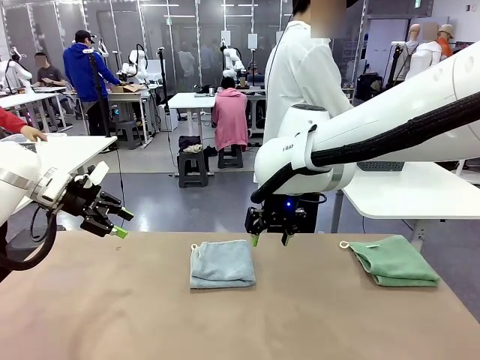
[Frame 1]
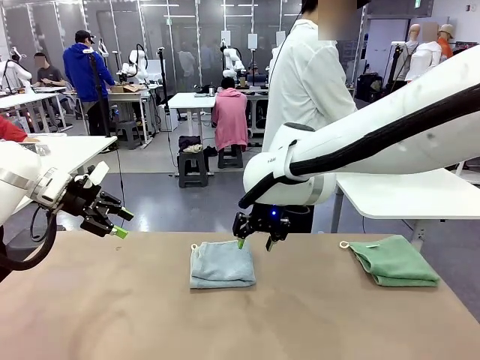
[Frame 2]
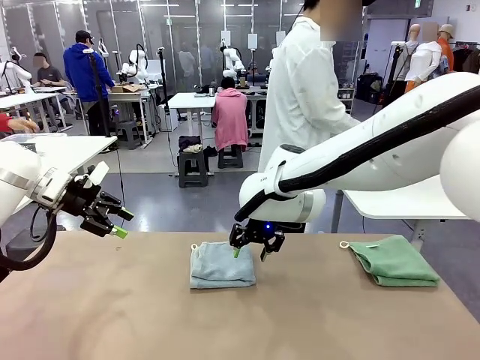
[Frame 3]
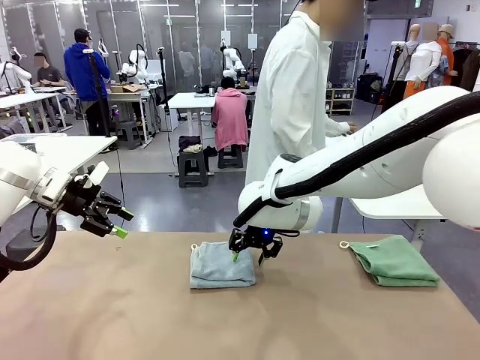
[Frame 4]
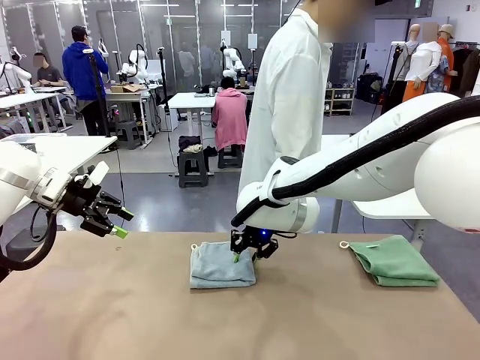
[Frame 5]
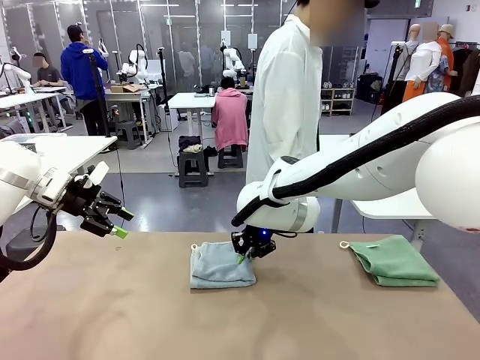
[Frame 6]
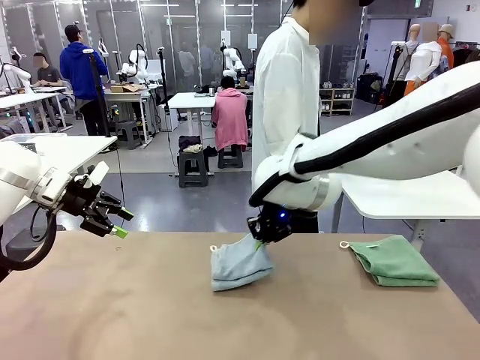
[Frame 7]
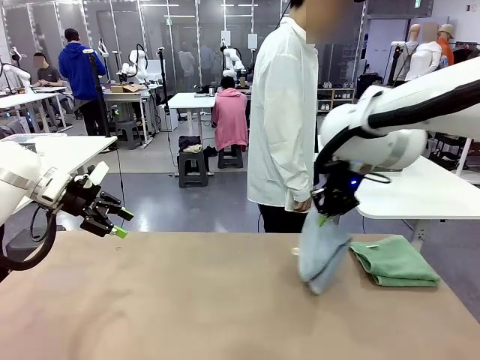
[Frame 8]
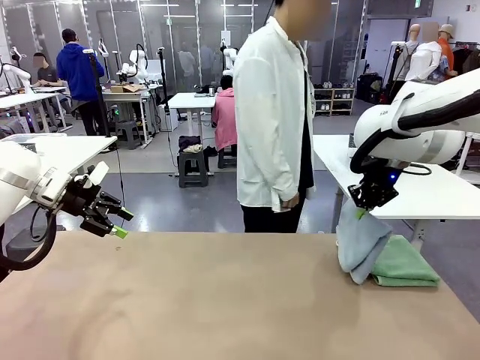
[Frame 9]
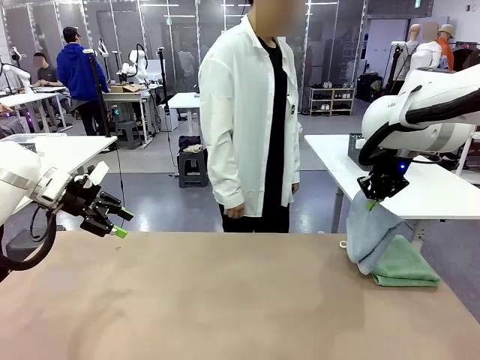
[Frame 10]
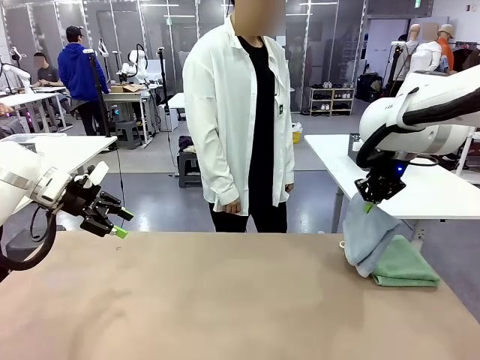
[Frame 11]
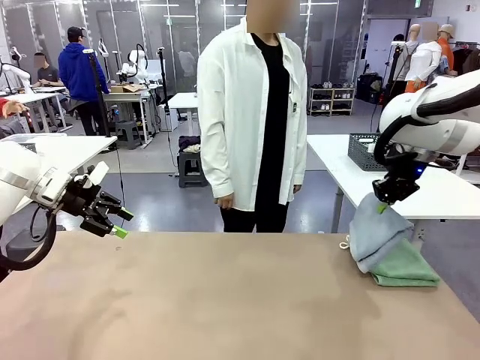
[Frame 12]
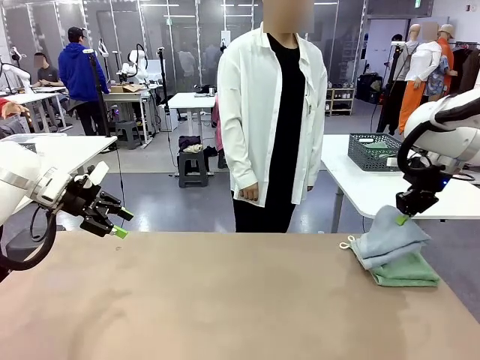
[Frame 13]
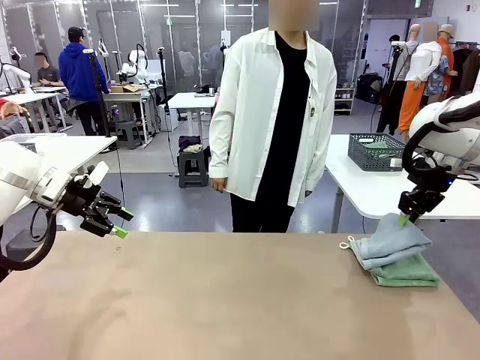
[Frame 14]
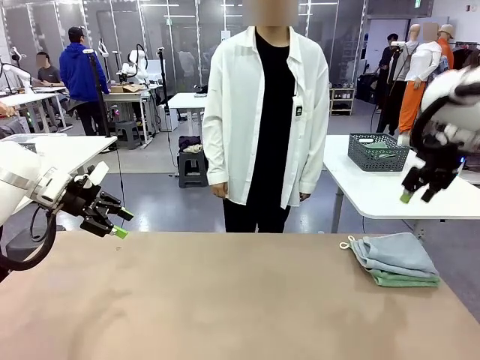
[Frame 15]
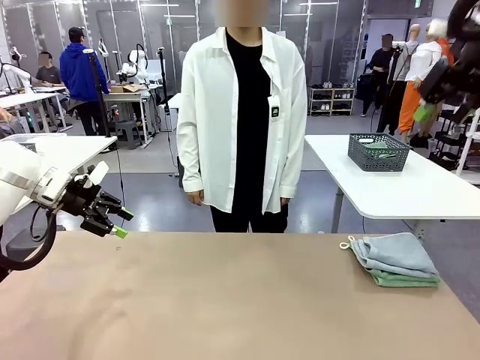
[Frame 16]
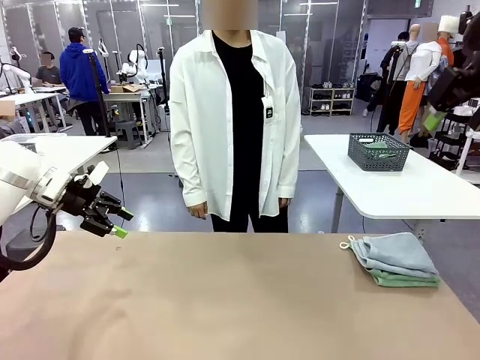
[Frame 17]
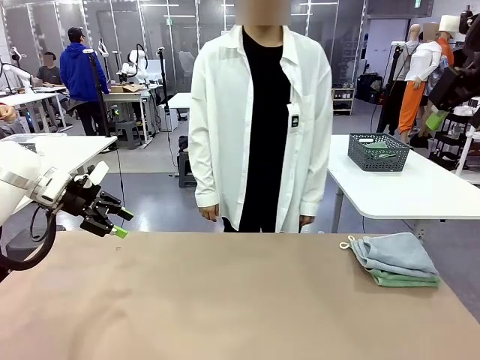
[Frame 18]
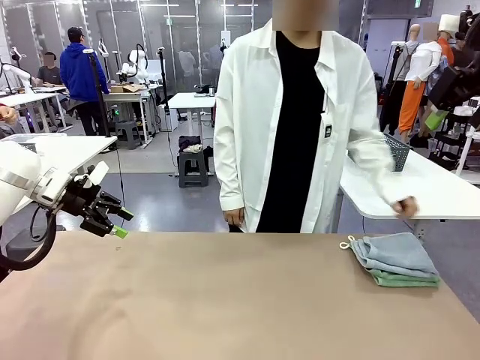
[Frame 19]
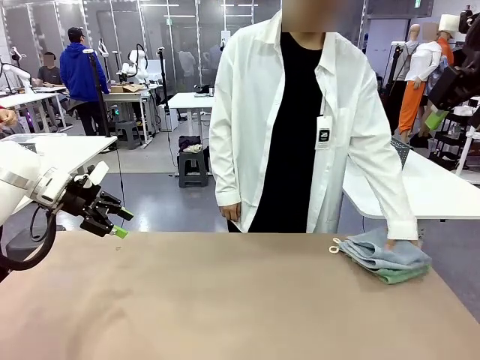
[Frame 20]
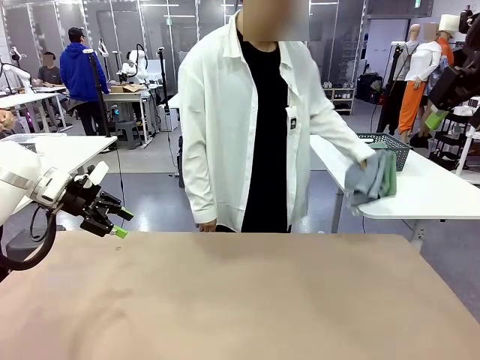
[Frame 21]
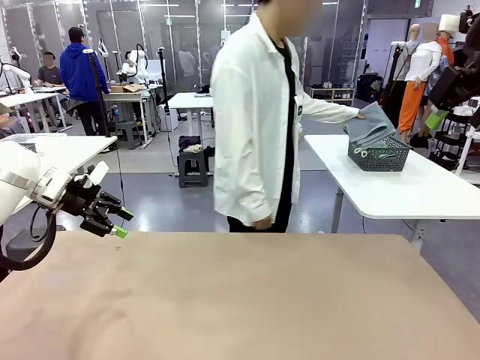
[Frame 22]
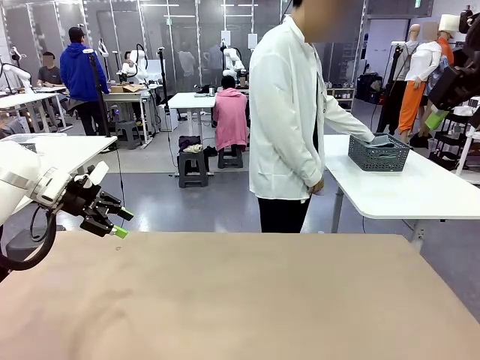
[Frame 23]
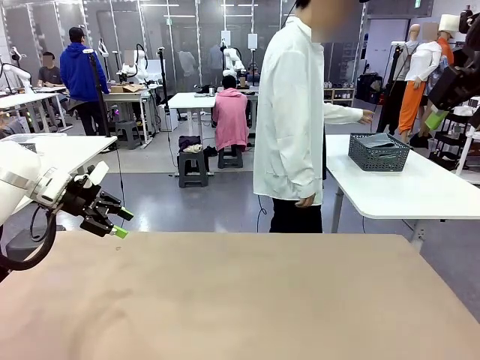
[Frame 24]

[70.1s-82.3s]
Task: Fold the towels and place them in the basket.
Robot: Stack the folded Towel with hook on the right side of the table.
Person: Pick up the stack of towels from the robot table and place it into the basket.

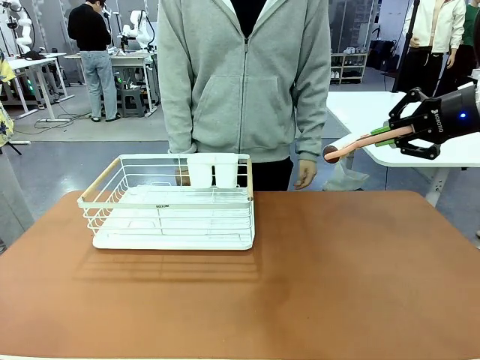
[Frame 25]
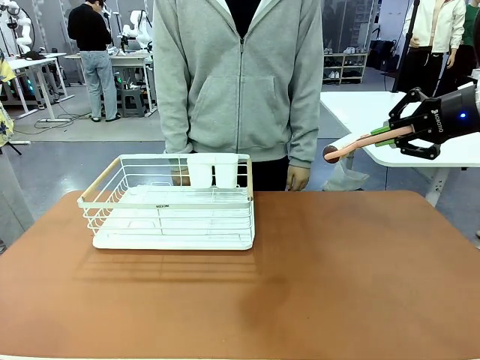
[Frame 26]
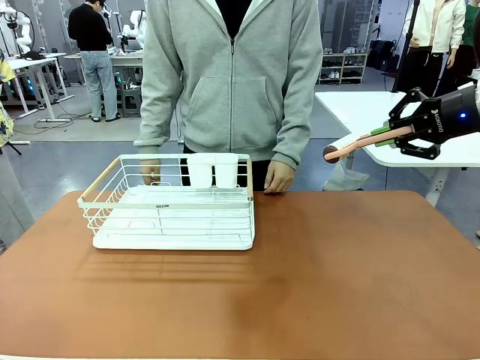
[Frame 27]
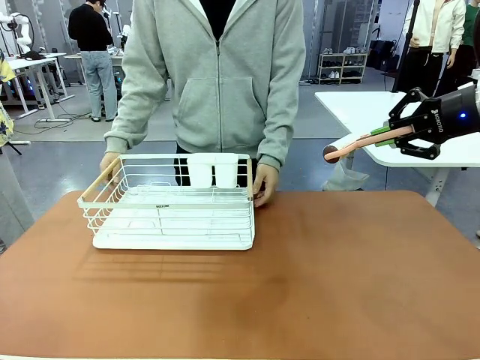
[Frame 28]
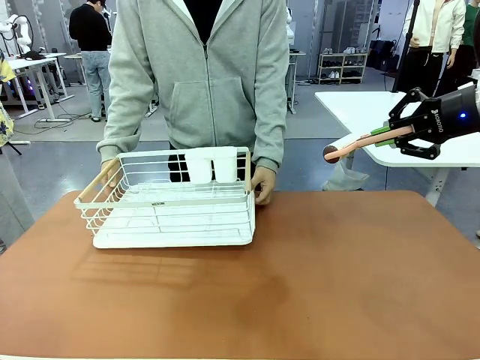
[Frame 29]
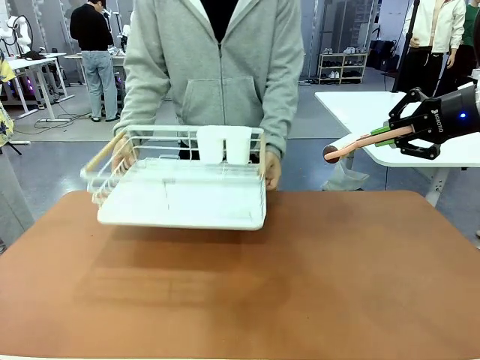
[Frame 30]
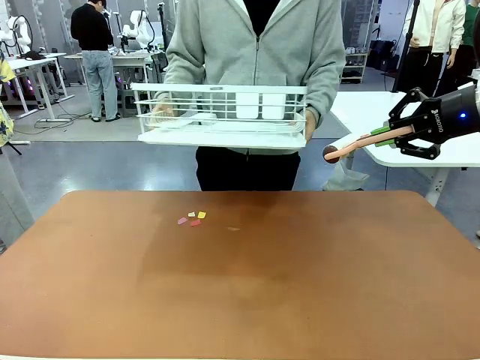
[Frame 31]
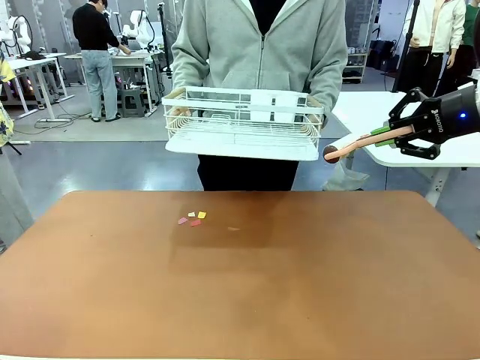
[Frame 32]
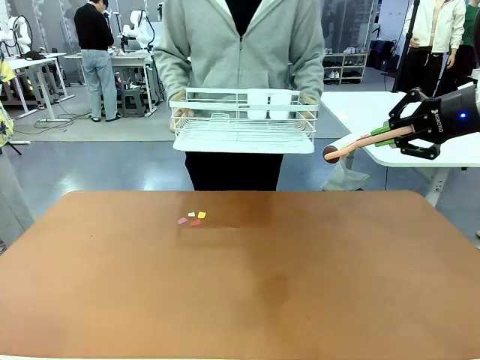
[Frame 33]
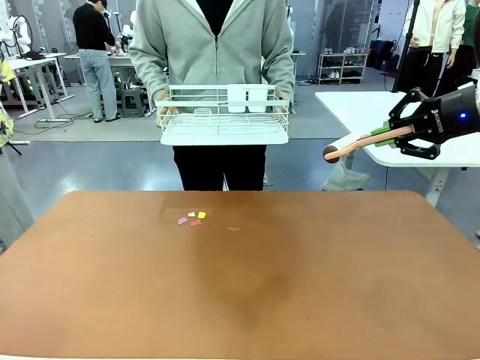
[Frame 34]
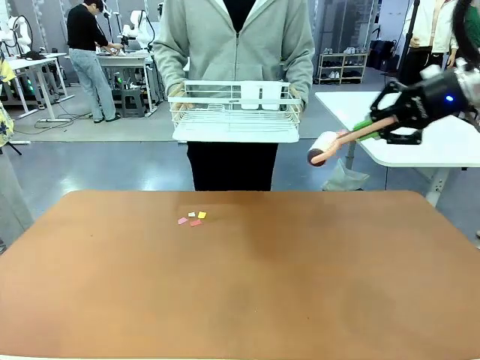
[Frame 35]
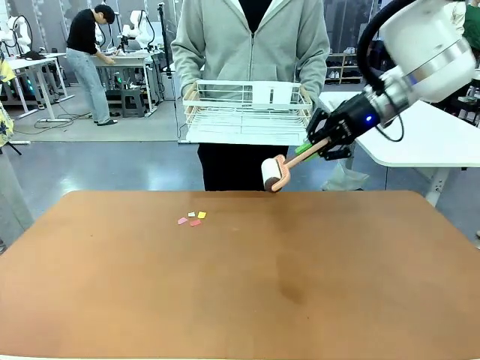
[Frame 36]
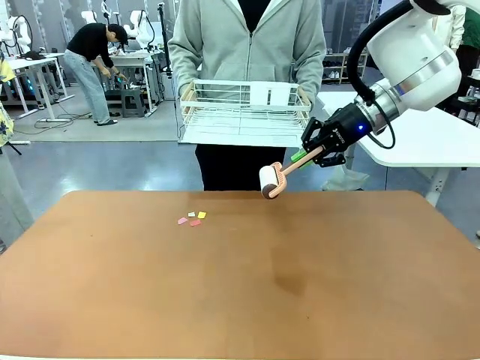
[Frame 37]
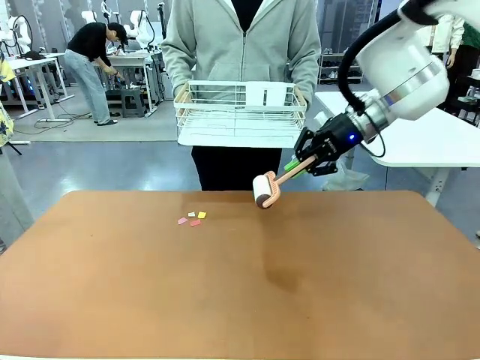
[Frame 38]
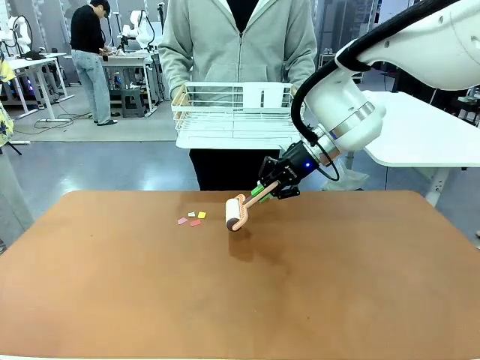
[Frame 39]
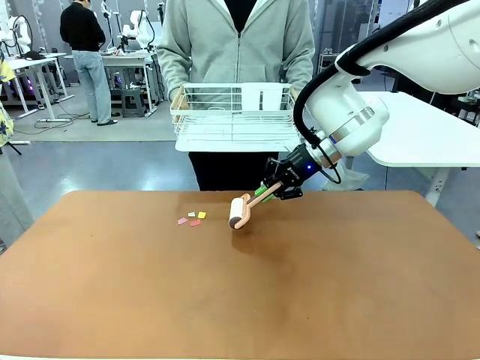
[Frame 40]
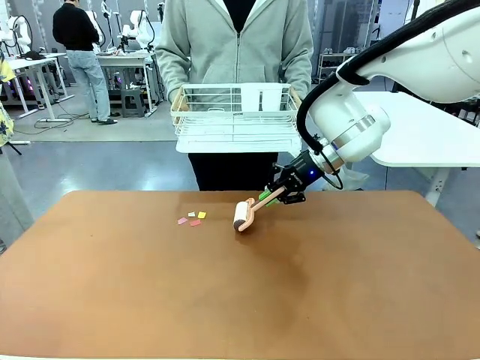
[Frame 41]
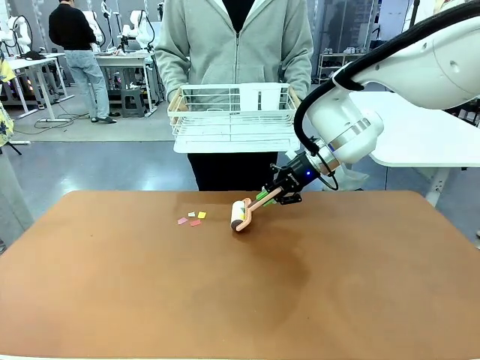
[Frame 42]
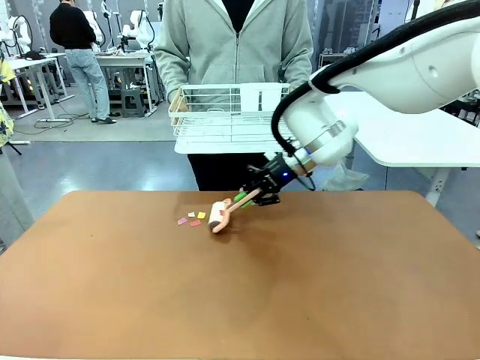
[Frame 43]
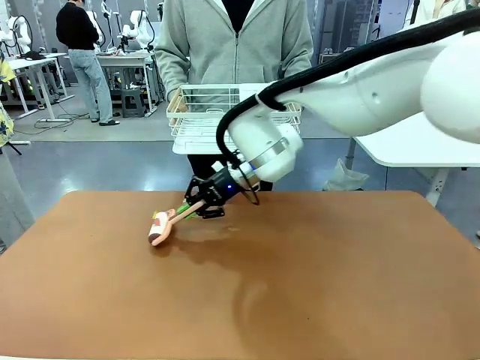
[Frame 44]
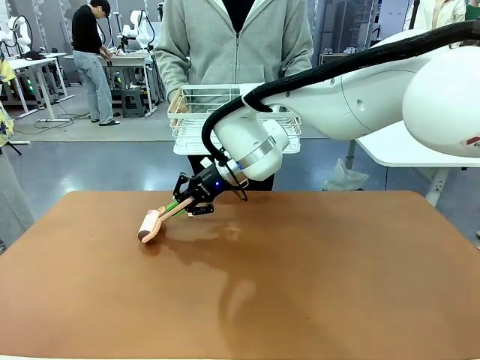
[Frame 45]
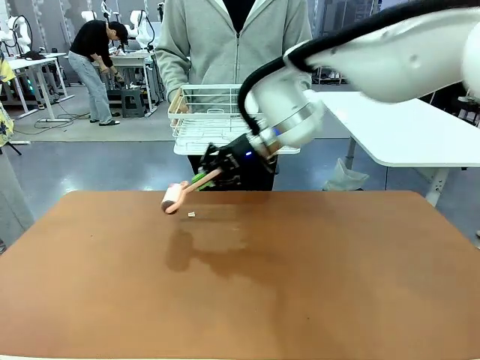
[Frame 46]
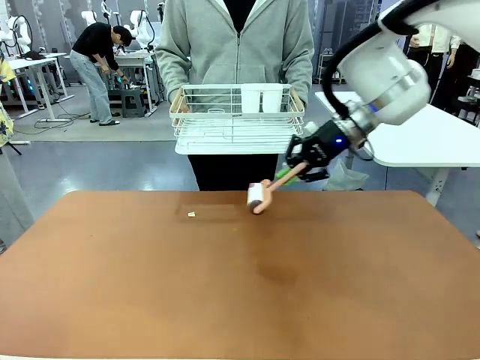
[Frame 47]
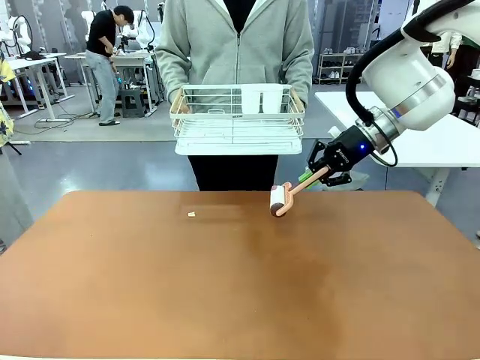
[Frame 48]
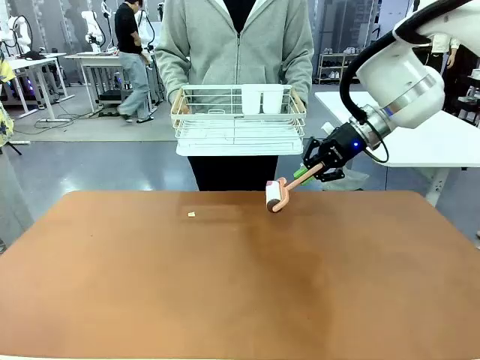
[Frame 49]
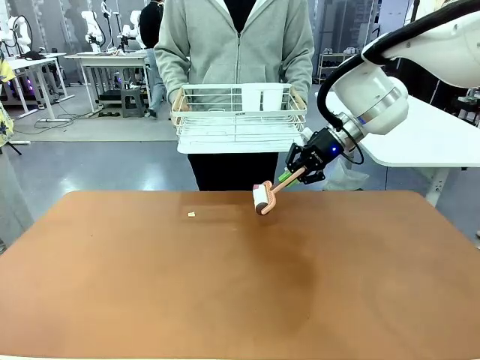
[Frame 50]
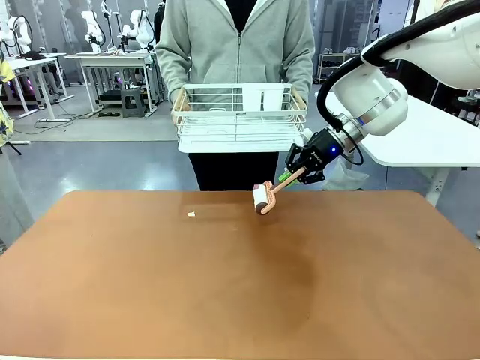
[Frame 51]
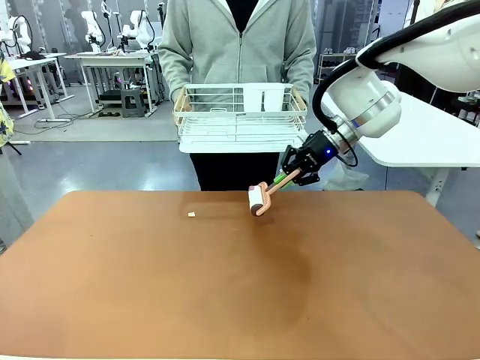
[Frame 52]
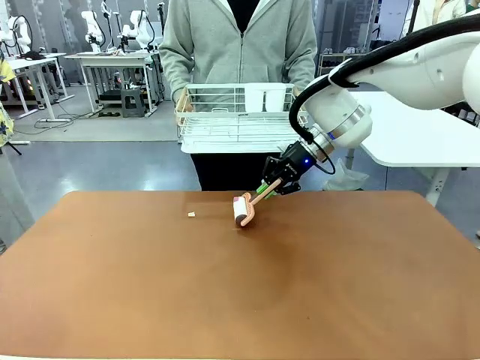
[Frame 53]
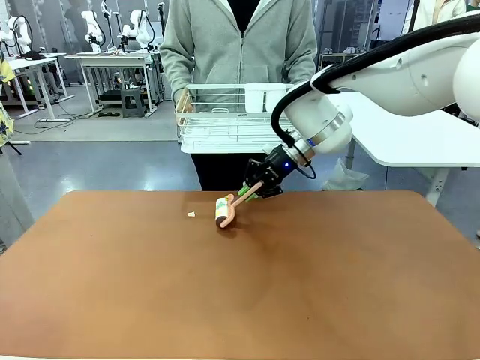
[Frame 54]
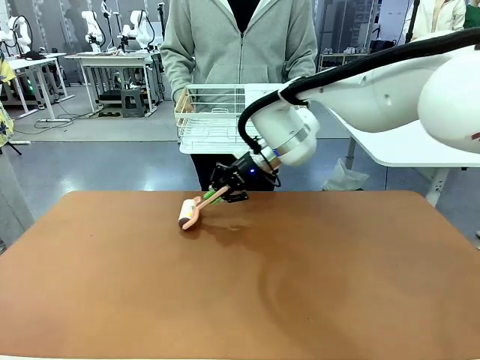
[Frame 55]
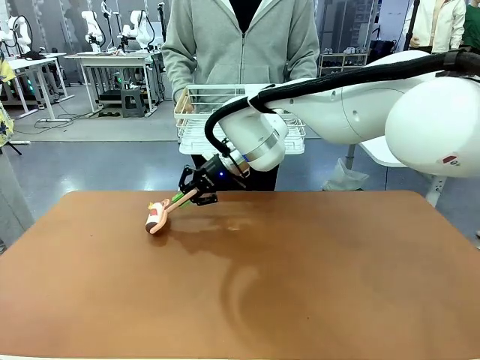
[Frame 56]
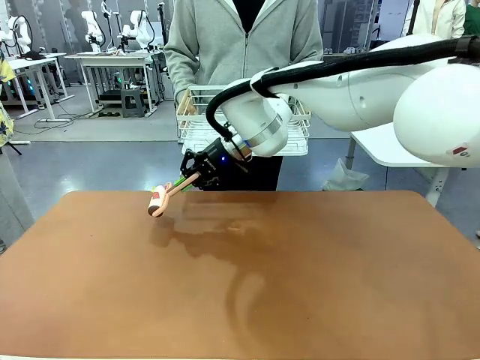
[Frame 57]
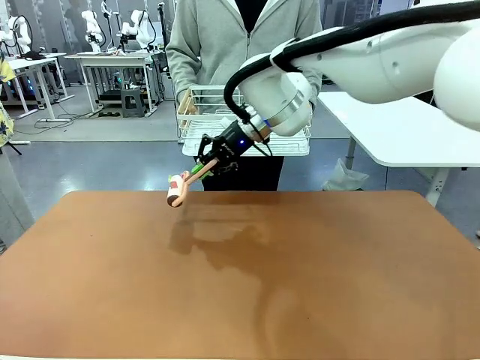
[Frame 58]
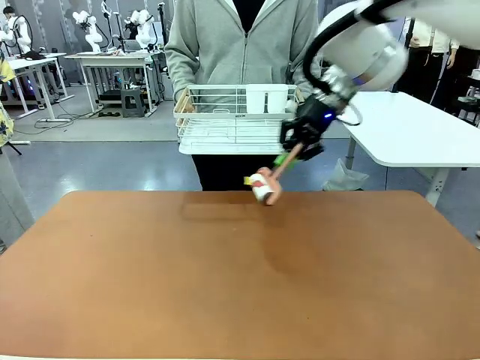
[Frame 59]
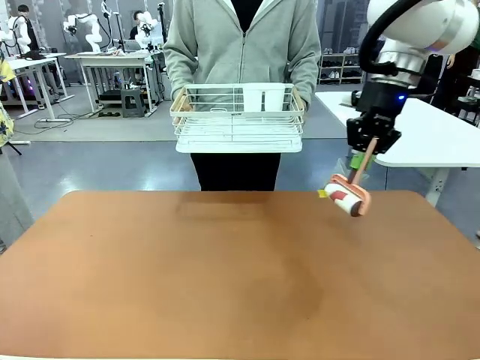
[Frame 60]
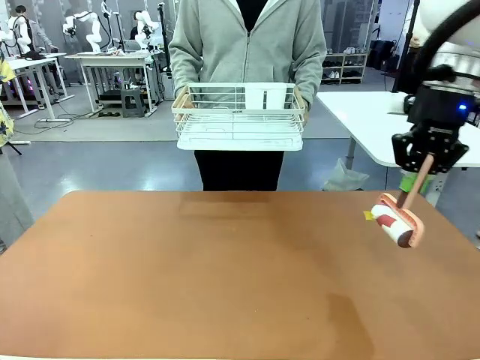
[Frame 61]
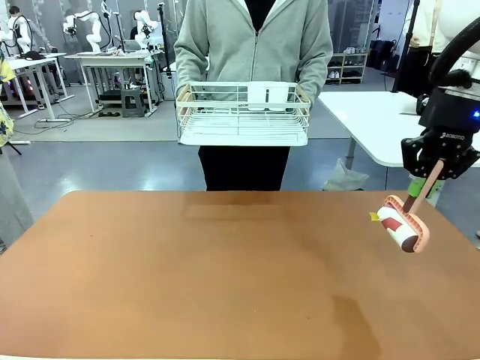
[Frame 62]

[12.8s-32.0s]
Task: Clean the table.
Robot: Clean the table with the Lint Roller when the human lifts the Dish drying rack.
Person: Place the Dish drying rack down when the robot finishes cleaning.
